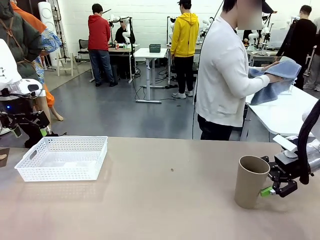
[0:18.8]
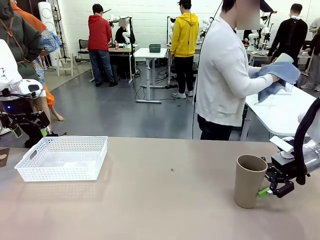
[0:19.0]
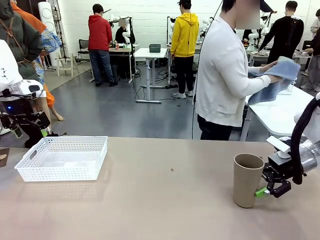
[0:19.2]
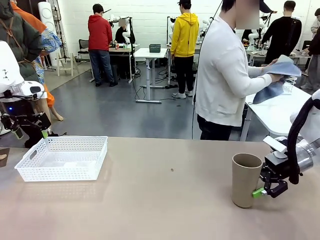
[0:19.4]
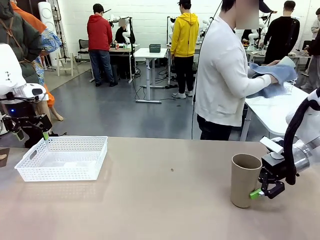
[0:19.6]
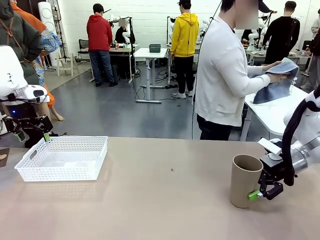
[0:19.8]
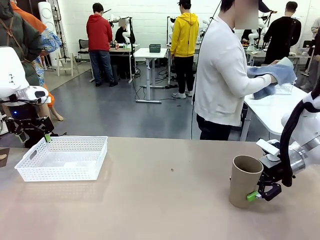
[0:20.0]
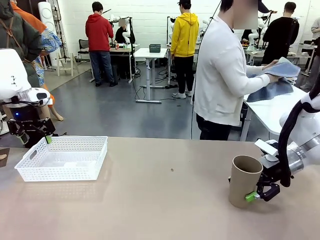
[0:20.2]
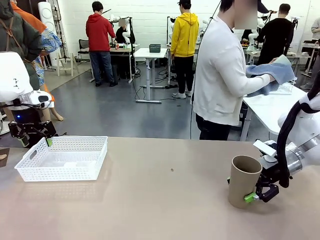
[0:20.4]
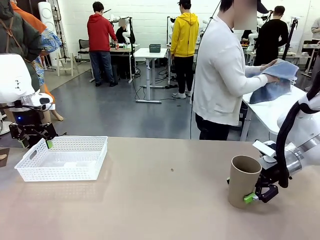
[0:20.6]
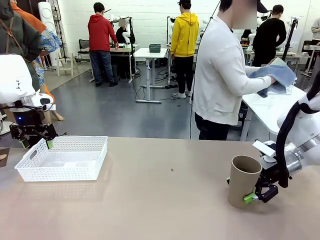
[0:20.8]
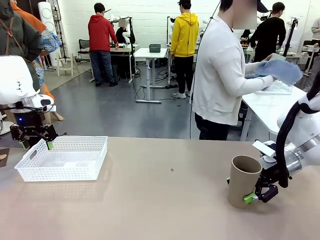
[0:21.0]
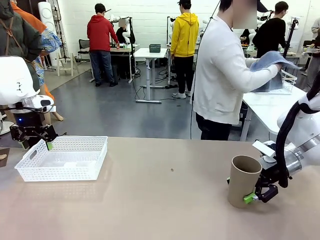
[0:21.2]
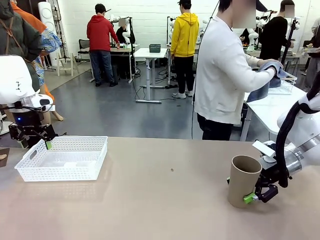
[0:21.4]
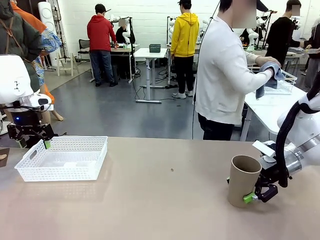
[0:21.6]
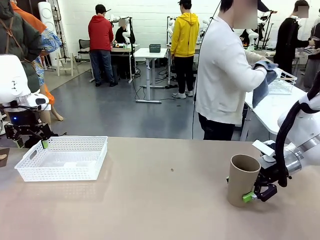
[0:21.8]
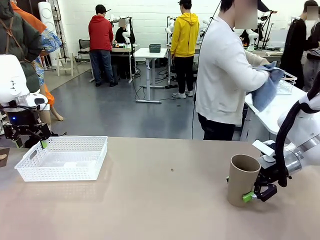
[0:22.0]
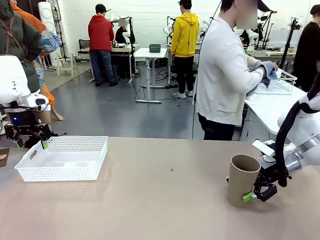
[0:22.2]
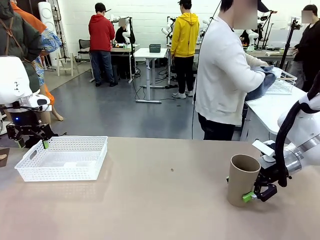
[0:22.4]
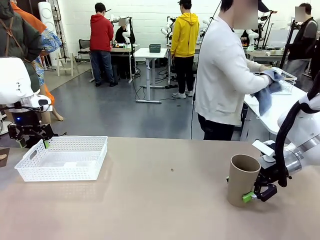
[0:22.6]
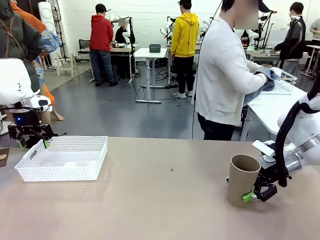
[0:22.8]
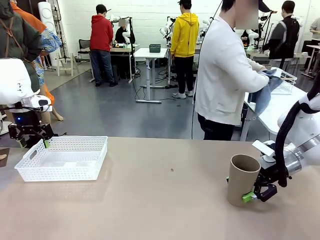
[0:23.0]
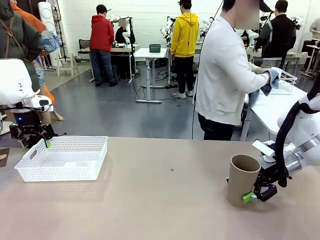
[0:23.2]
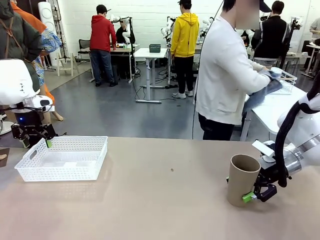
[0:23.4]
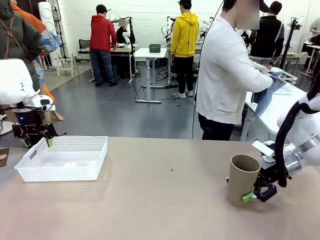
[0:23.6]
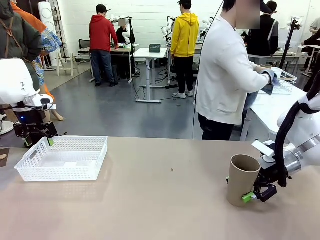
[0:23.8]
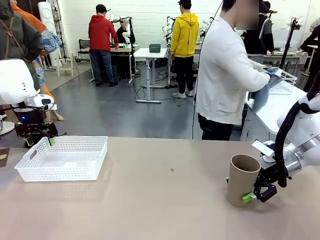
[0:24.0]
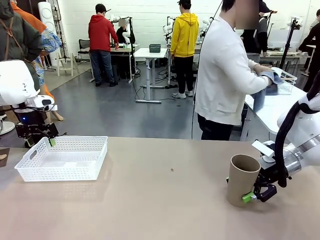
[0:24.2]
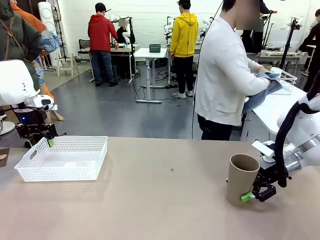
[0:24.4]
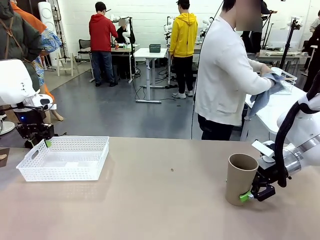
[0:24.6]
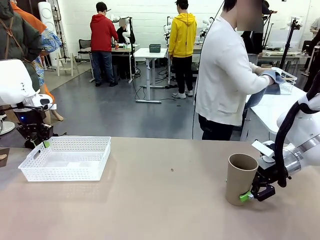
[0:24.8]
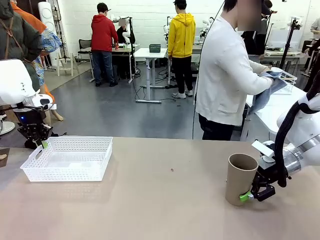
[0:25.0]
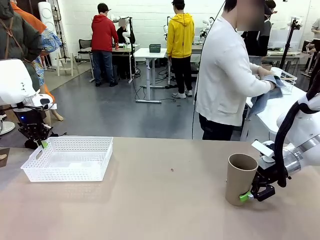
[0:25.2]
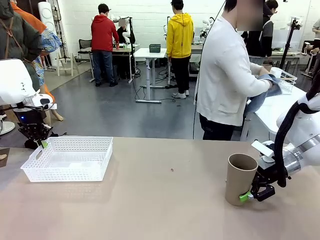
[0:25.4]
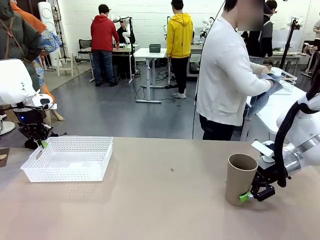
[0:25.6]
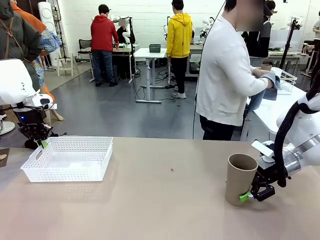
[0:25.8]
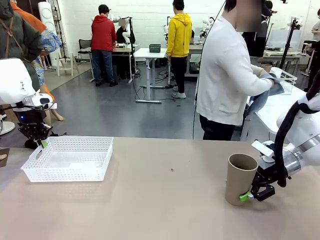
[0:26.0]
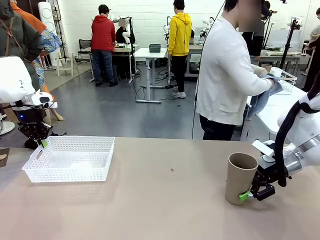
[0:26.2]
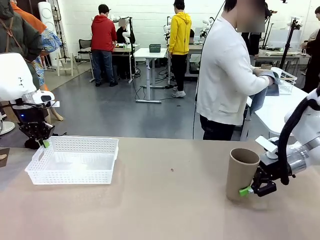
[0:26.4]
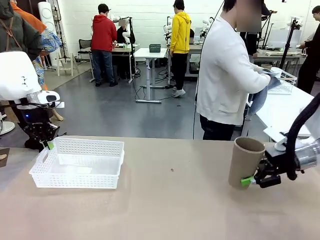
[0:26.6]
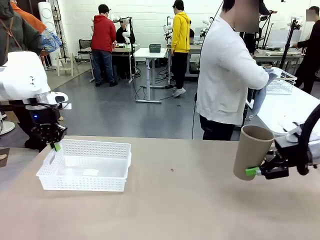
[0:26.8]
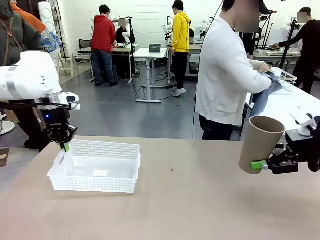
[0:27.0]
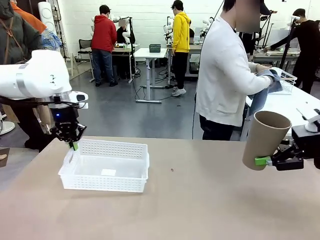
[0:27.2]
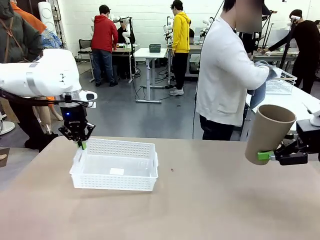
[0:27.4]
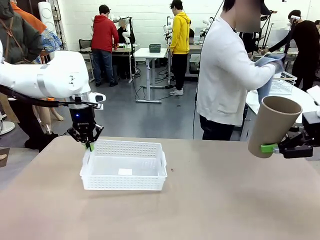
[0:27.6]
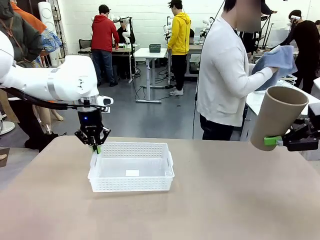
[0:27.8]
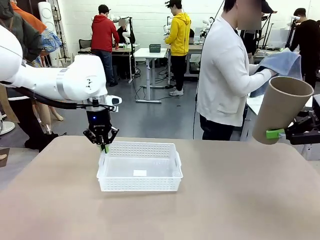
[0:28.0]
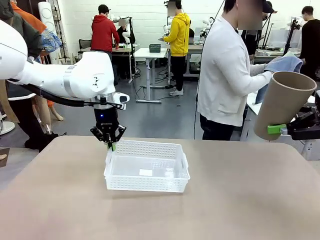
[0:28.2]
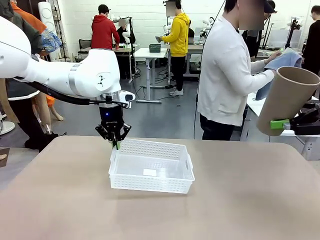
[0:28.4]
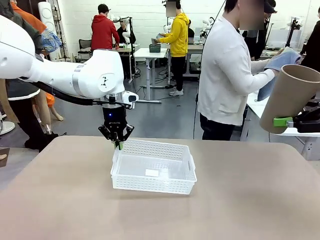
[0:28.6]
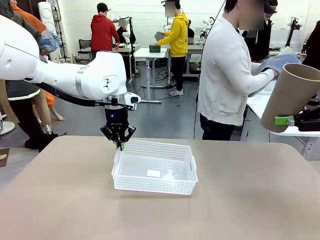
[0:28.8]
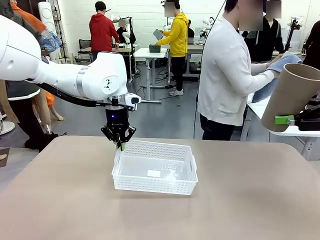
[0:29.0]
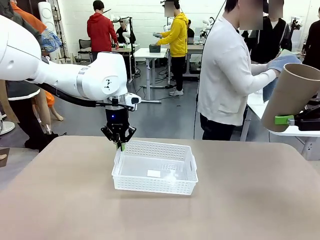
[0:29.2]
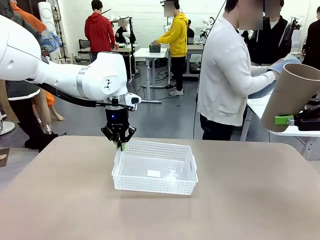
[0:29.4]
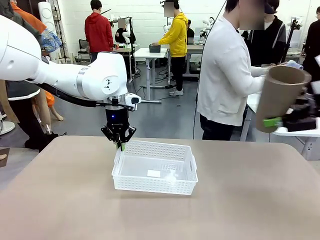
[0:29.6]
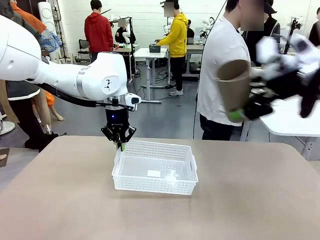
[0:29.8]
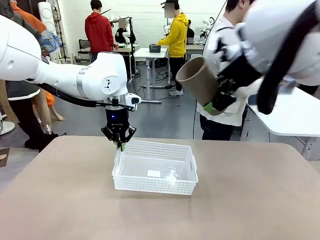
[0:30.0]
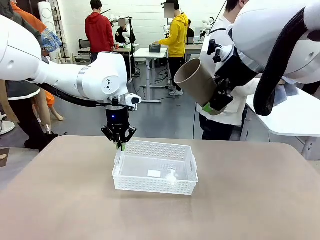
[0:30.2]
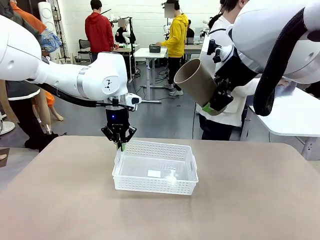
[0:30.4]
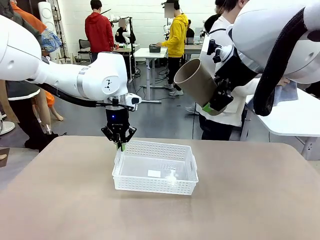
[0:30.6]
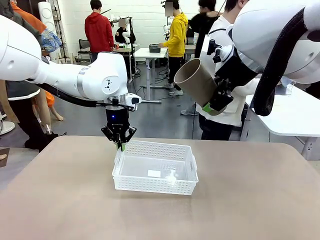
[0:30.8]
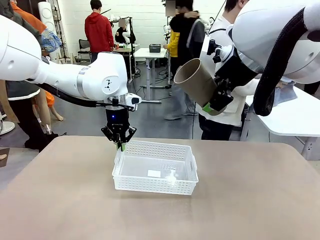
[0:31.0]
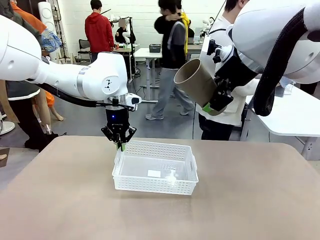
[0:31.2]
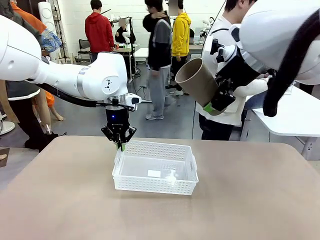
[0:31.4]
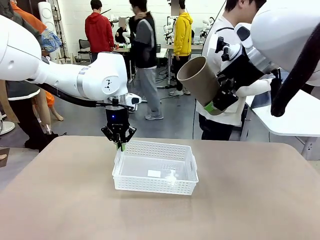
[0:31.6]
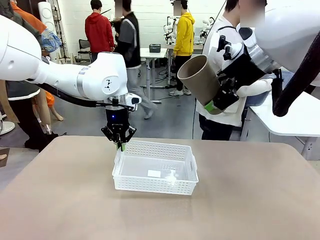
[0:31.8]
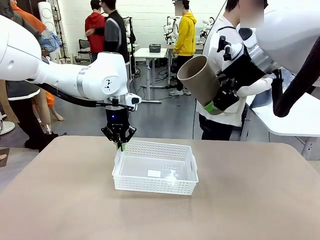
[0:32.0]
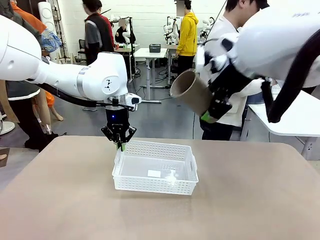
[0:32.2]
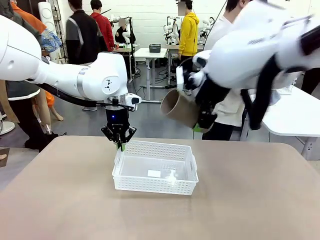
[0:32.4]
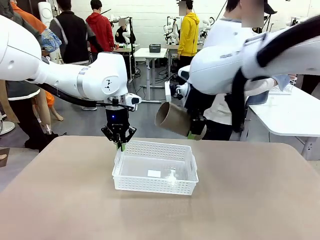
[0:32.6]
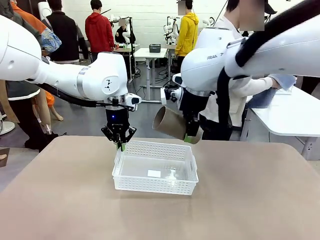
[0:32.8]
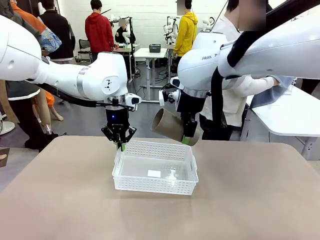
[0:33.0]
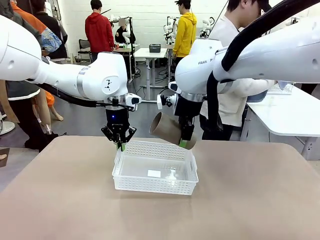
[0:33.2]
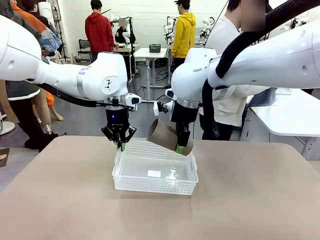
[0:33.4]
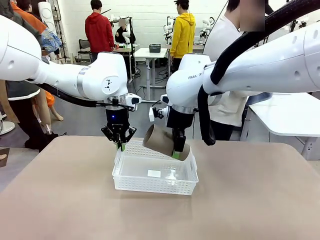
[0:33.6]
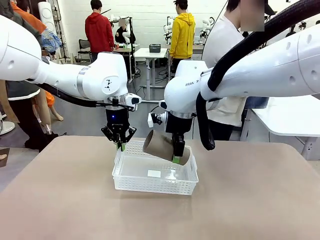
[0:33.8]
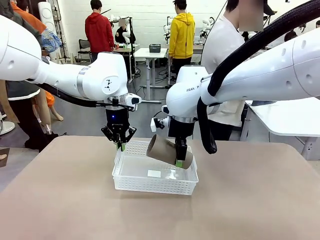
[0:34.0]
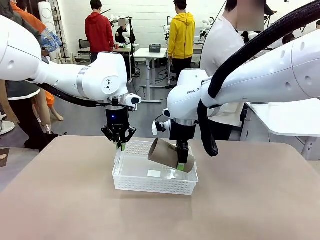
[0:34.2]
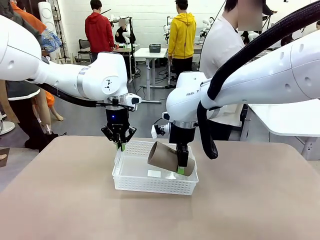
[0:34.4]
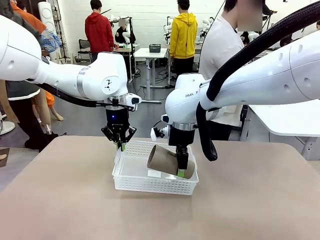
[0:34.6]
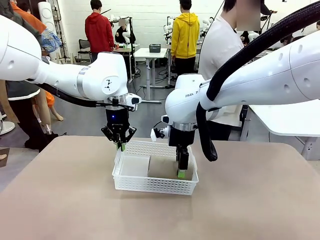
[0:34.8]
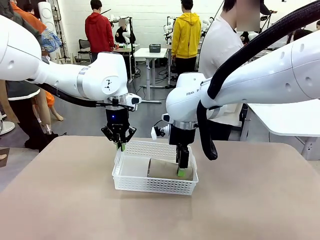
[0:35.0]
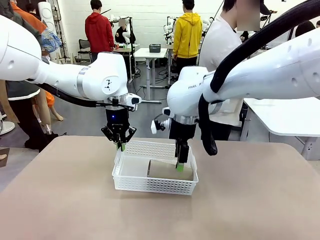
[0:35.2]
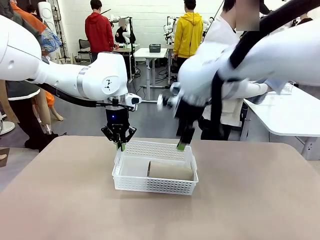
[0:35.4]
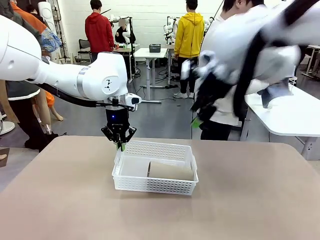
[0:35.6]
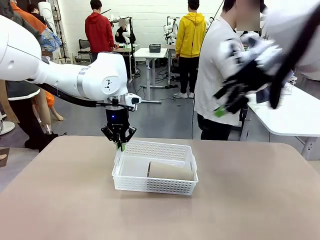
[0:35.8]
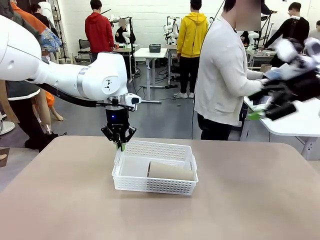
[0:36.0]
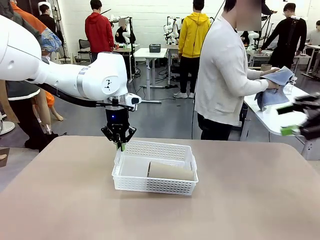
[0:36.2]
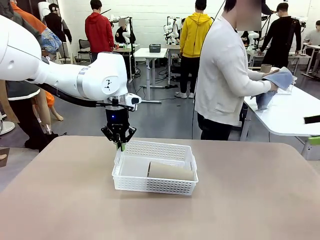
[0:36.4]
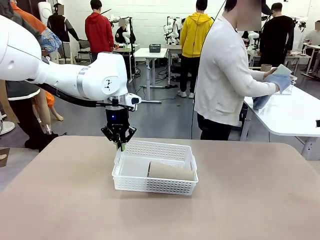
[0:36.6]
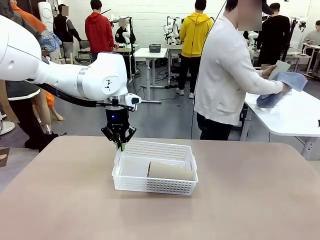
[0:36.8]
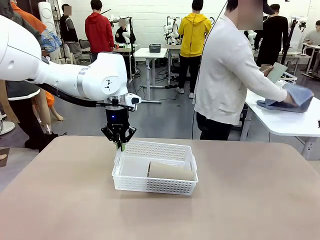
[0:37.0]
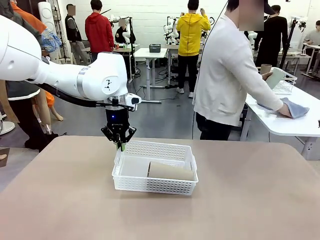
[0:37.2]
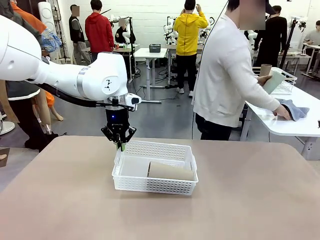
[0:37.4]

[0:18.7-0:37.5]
Task: Clean and organize the cups into the basket.
Robot: Pick up the Organizing basket and move it to the center of the table, then pick up the Reusable plastic cup from the right side of the table and place it inside the Organizing basket.
